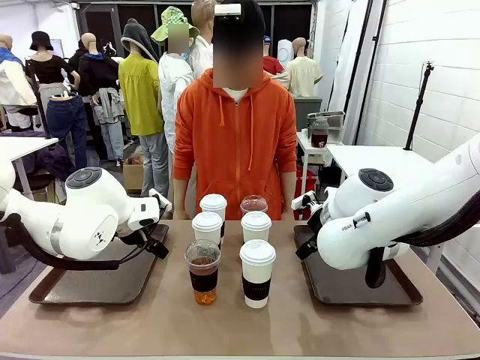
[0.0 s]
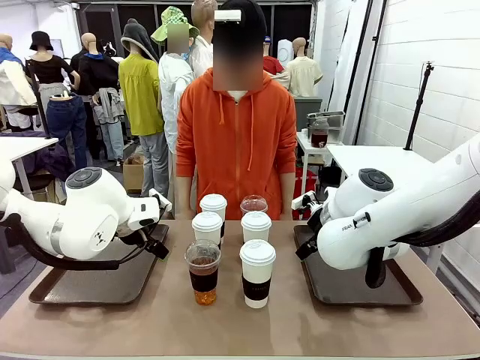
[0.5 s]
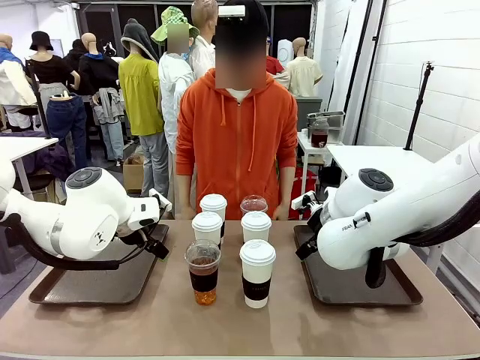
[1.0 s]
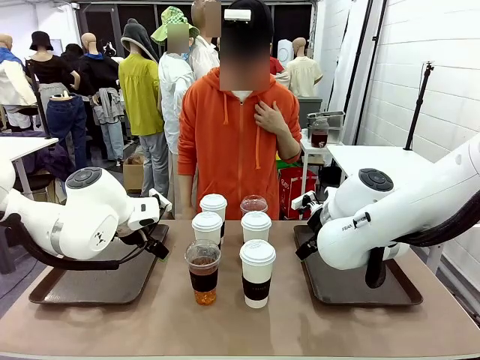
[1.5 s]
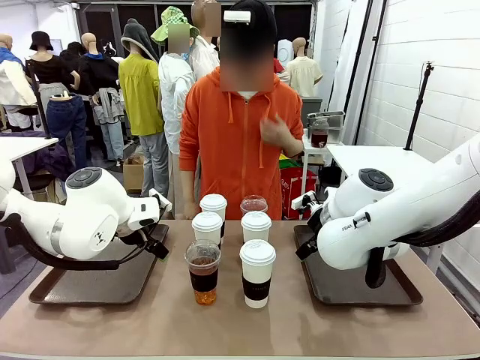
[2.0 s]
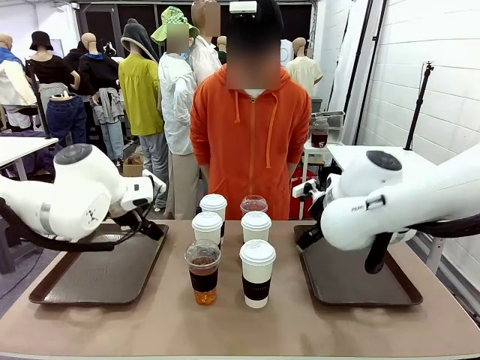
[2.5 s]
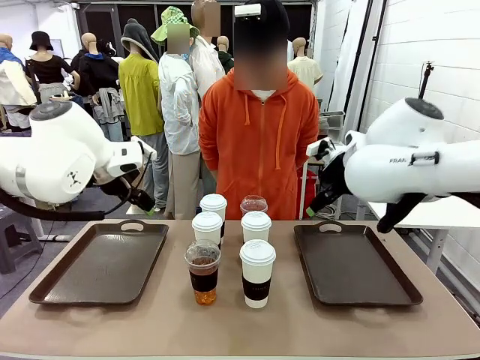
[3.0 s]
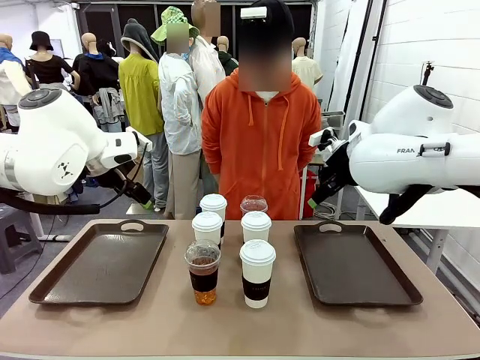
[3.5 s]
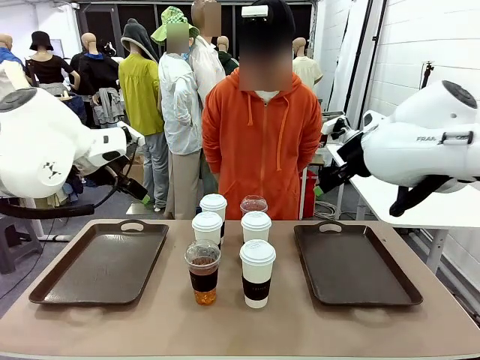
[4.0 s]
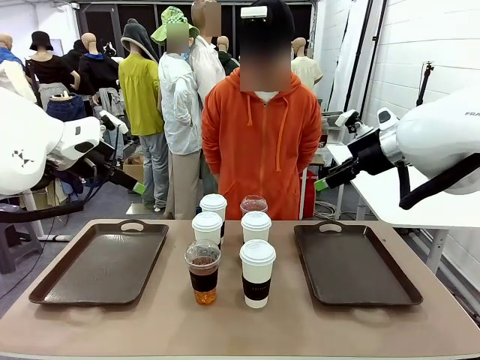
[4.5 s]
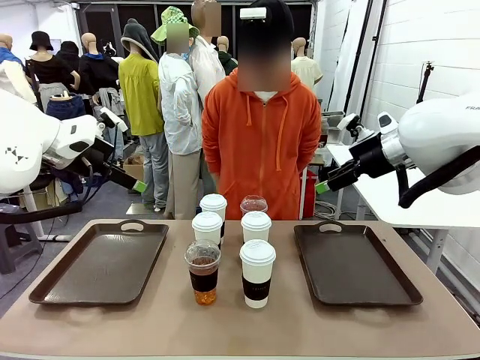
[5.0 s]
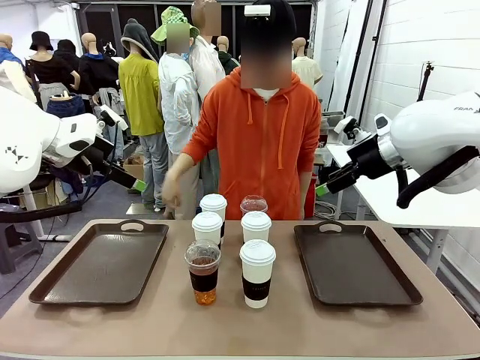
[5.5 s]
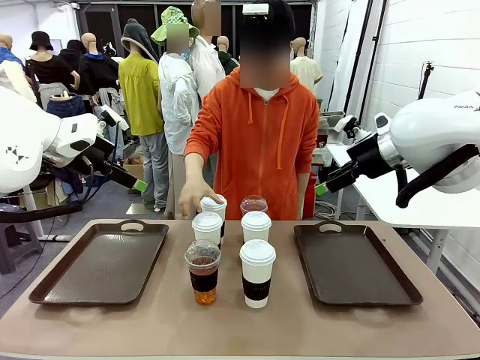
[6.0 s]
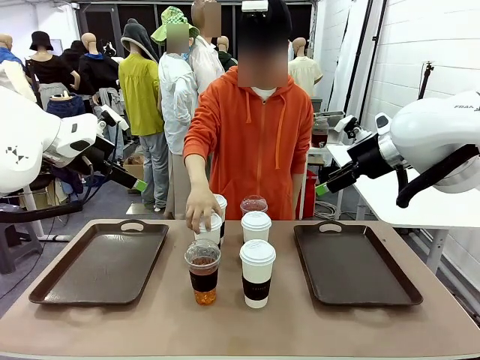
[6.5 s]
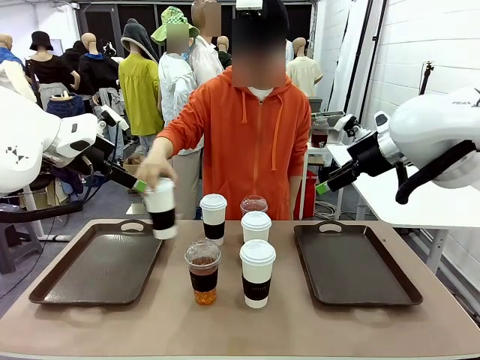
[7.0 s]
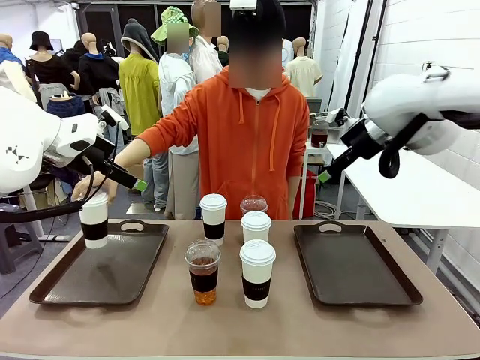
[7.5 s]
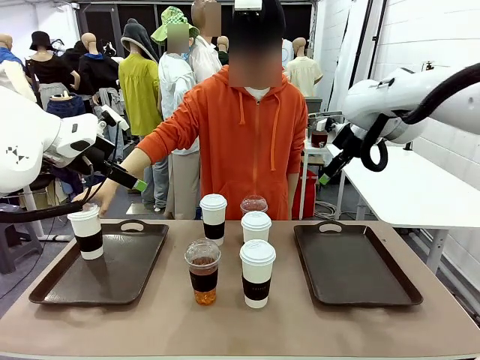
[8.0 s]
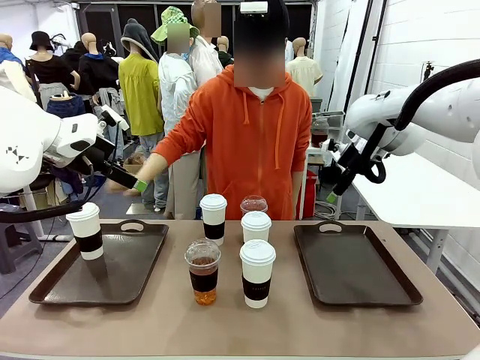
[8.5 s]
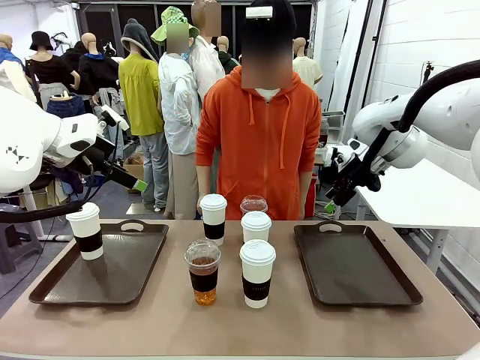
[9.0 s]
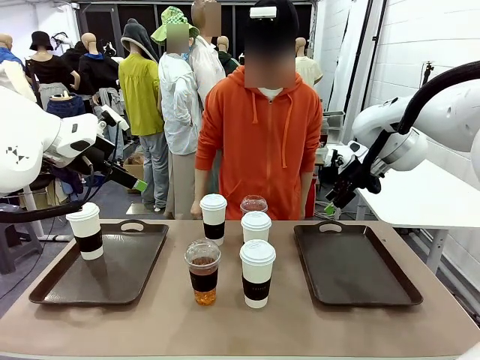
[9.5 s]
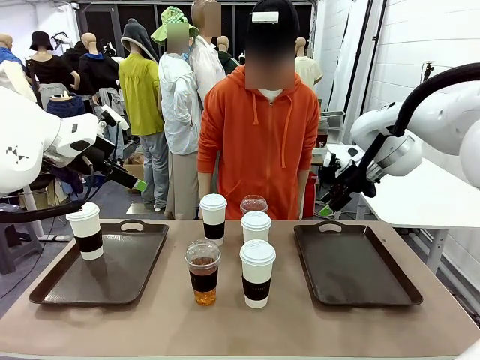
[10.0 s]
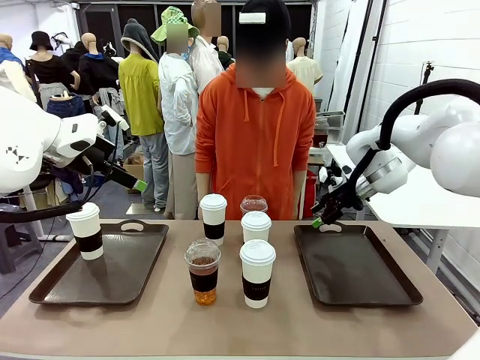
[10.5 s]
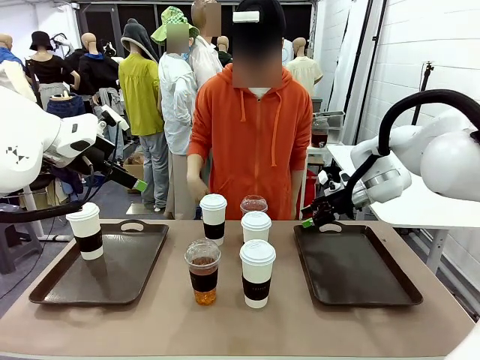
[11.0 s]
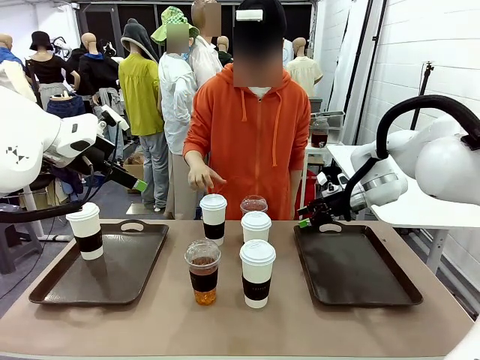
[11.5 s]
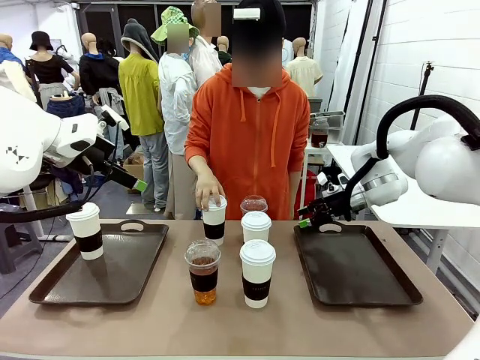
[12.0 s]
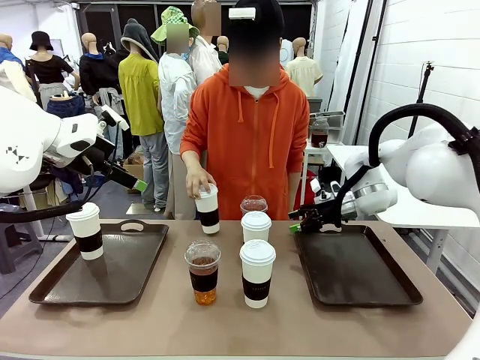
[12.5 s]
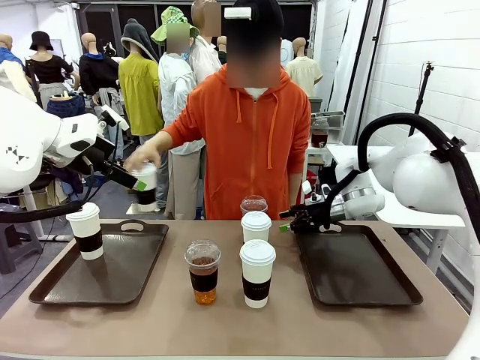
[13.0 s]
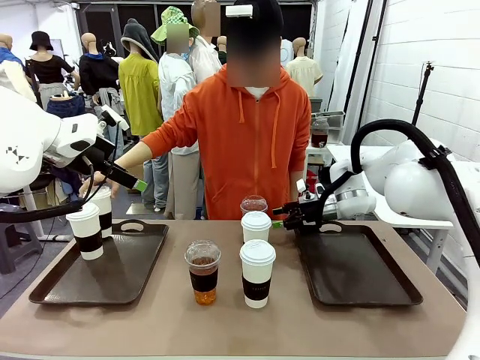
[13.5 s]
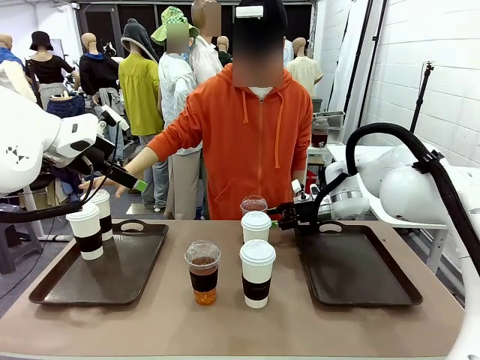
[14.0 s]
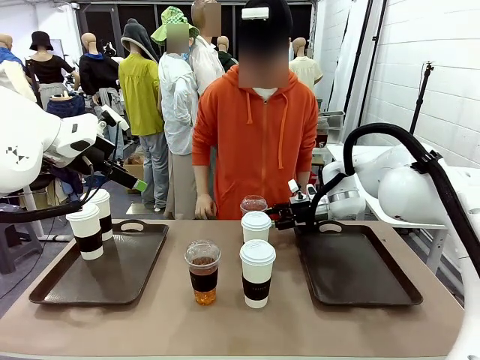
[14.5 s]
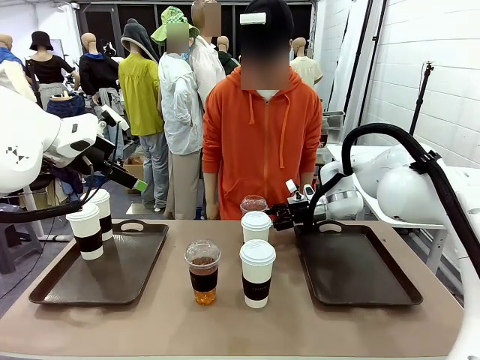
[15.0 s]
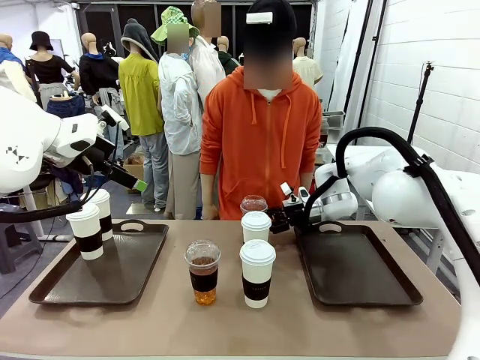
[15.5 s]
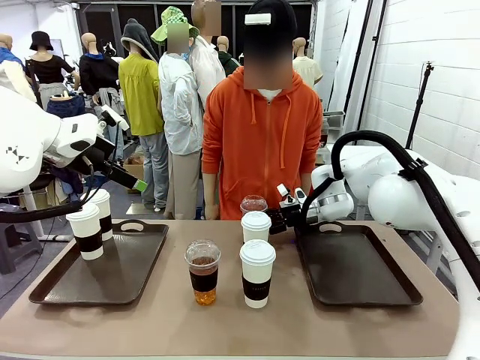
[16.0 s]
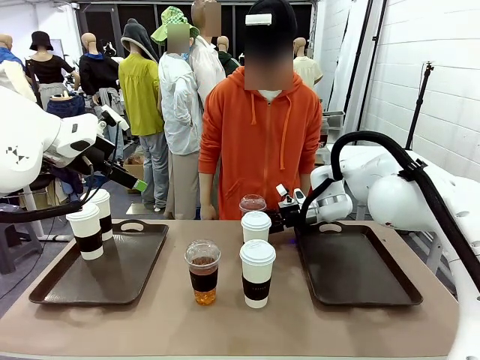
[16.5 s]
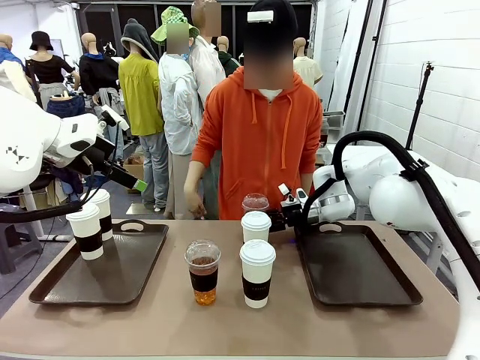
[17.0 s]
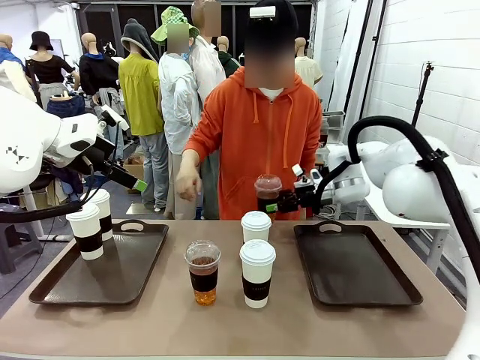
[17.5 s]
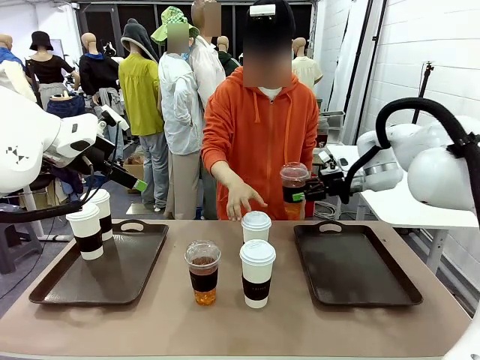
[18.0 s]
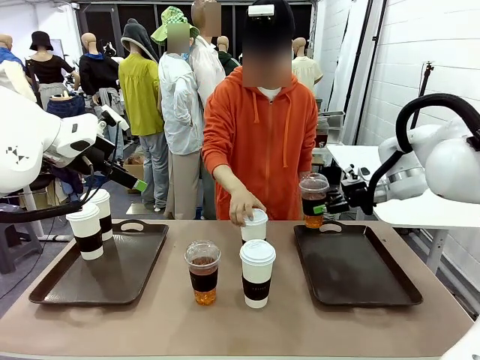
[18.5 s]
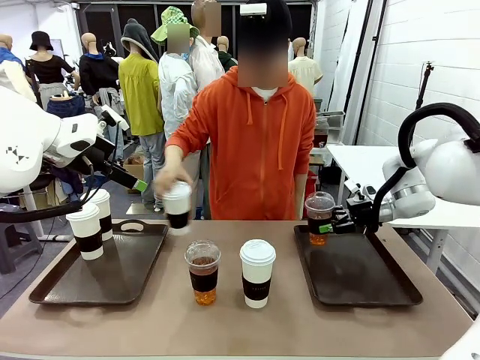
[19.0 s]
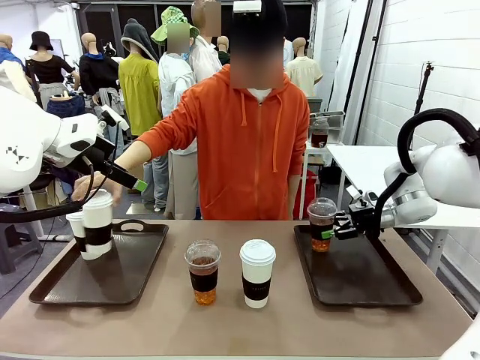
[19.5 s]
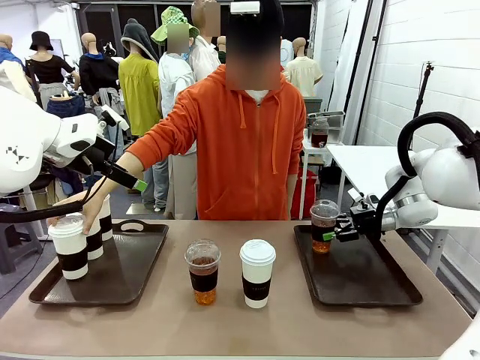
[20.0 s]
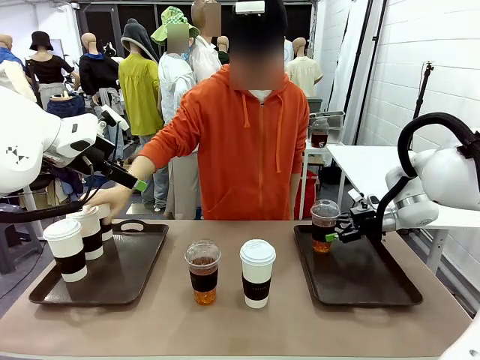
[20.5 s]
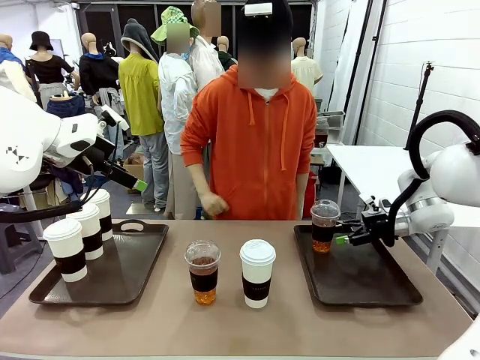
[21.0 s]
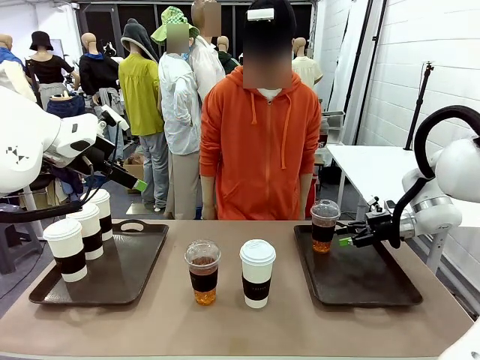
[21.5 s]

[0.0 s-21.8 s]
Task: Distribute the coffee onto the tray.
Robot: Pick up one iced Americano and place it on the right Handle tray.
Person: Pick up a cup of hot Americano and place it on the right tray.
